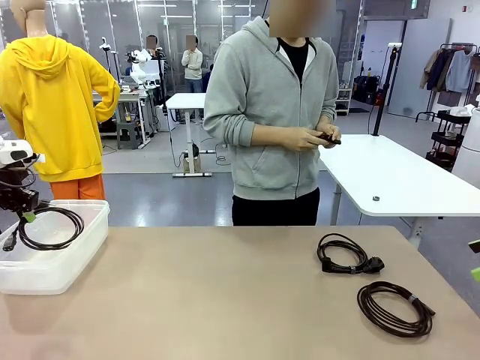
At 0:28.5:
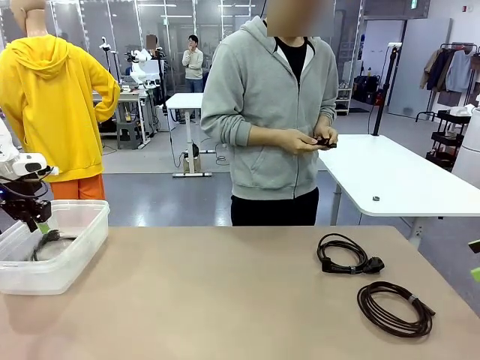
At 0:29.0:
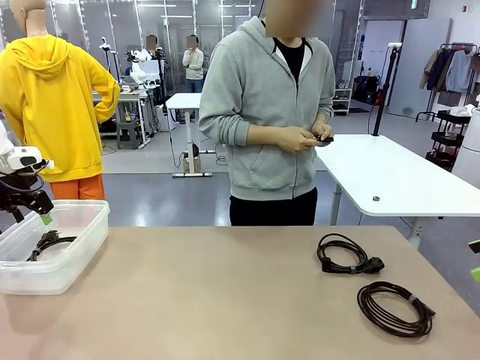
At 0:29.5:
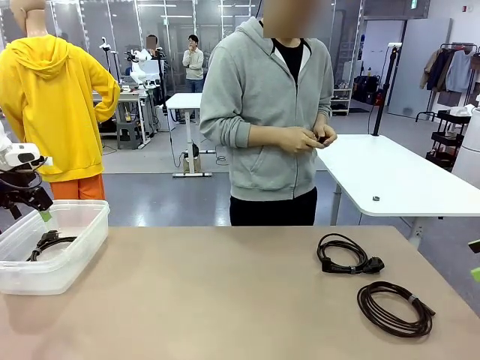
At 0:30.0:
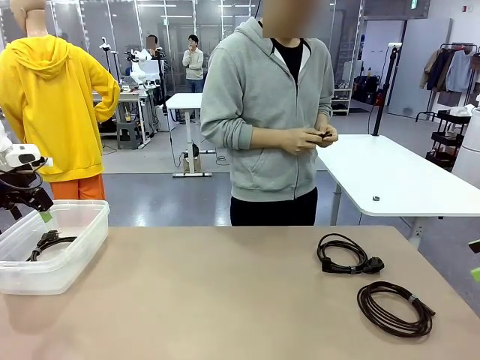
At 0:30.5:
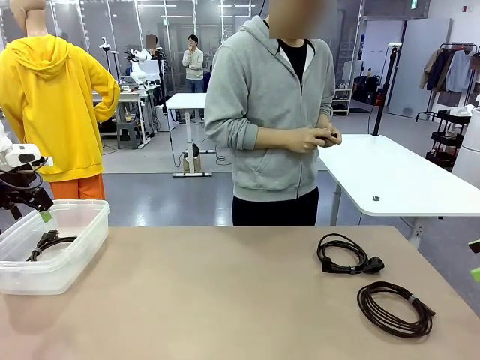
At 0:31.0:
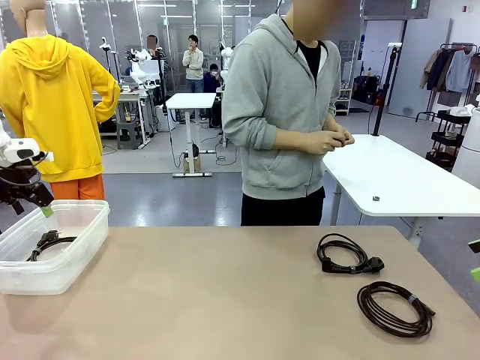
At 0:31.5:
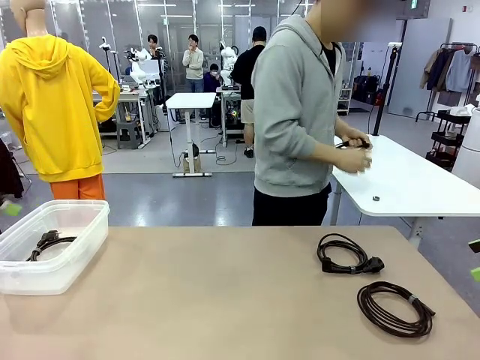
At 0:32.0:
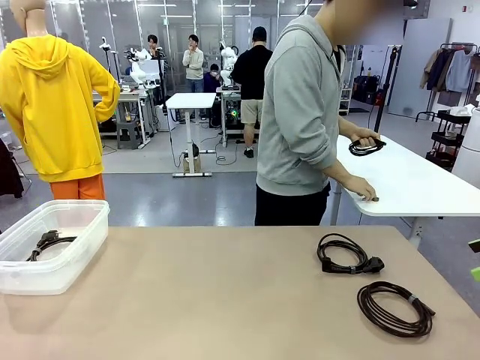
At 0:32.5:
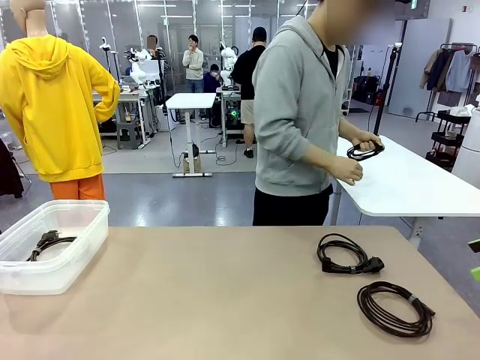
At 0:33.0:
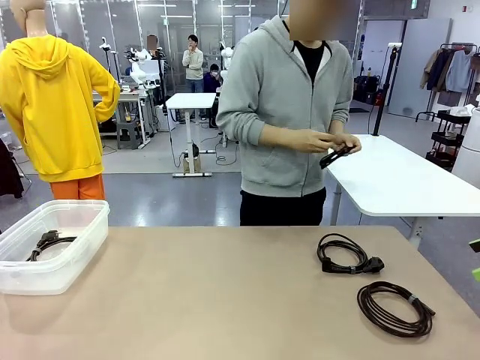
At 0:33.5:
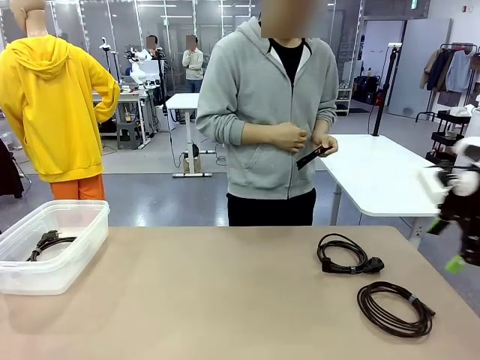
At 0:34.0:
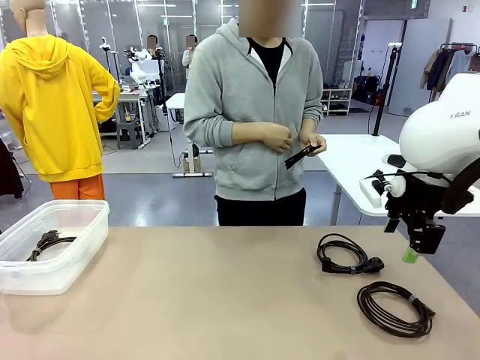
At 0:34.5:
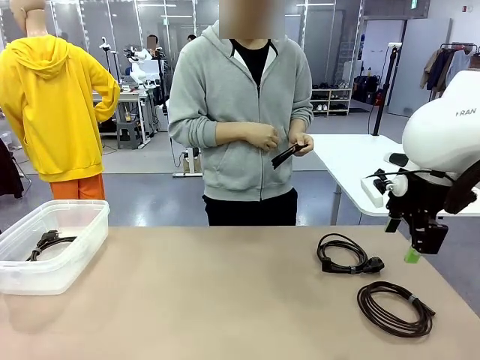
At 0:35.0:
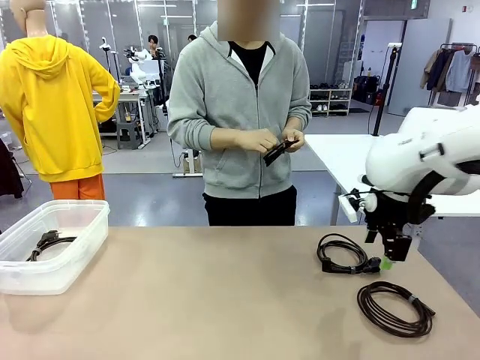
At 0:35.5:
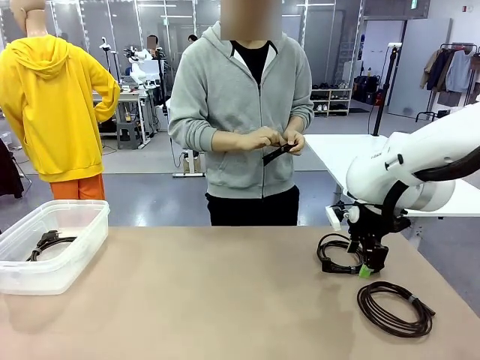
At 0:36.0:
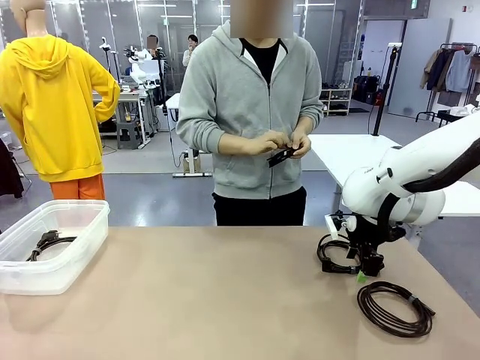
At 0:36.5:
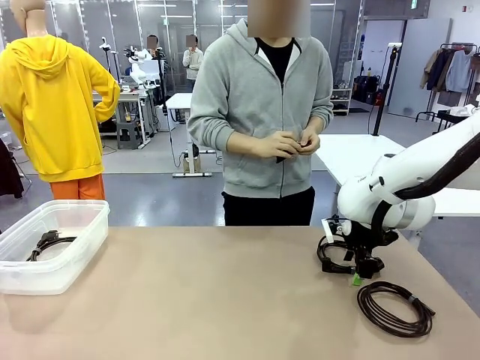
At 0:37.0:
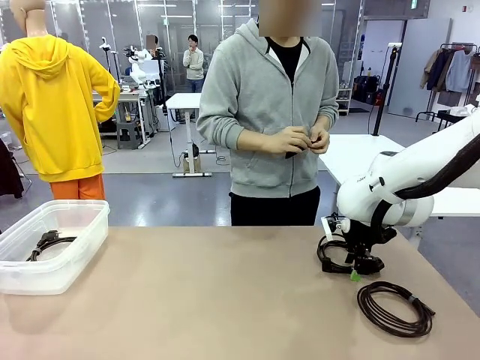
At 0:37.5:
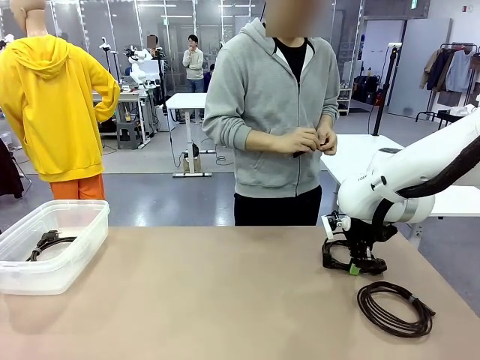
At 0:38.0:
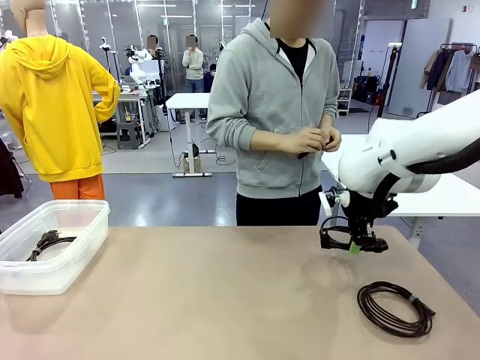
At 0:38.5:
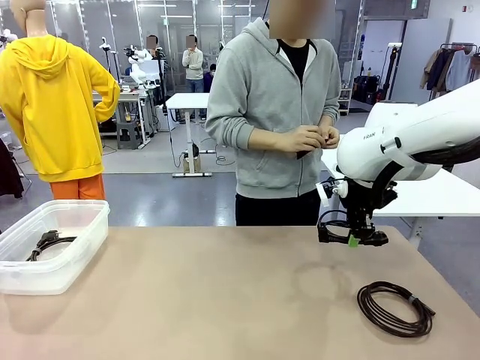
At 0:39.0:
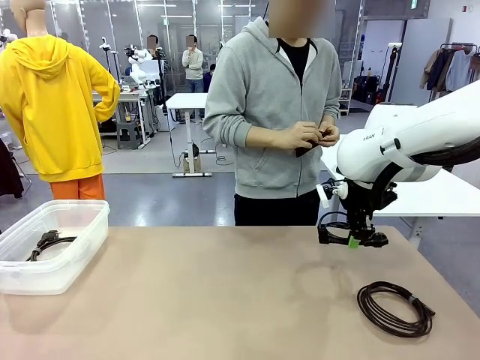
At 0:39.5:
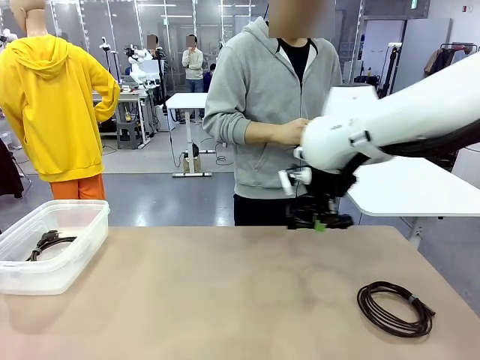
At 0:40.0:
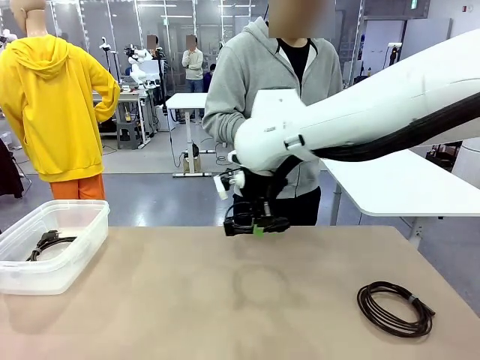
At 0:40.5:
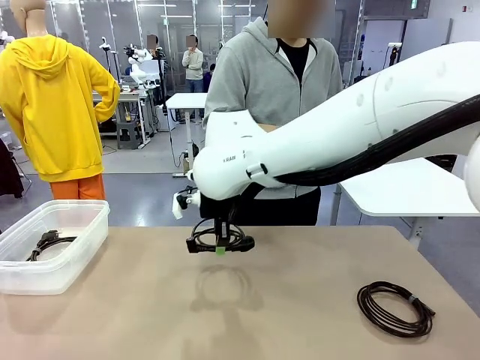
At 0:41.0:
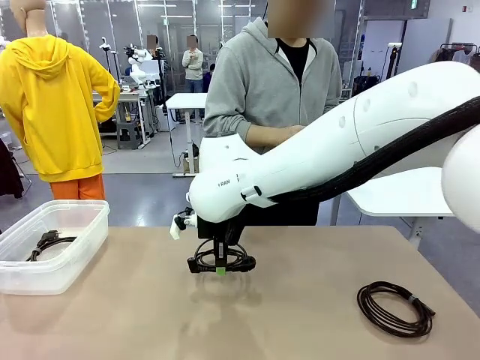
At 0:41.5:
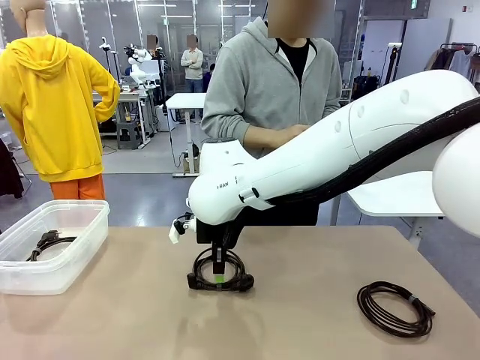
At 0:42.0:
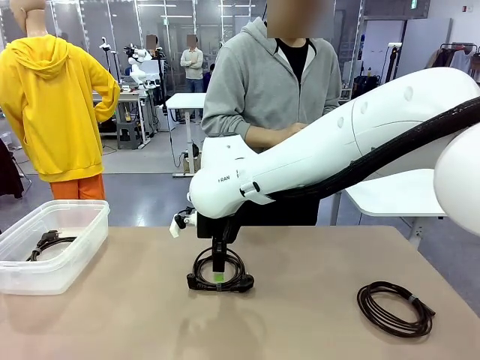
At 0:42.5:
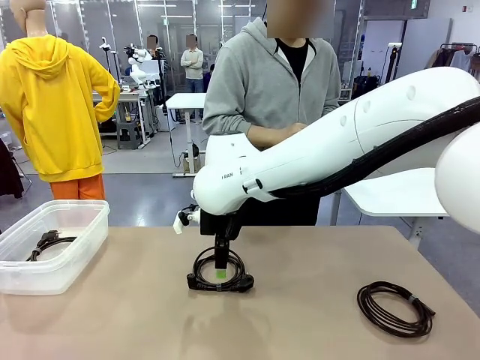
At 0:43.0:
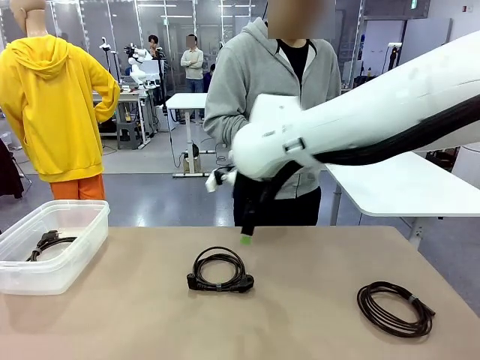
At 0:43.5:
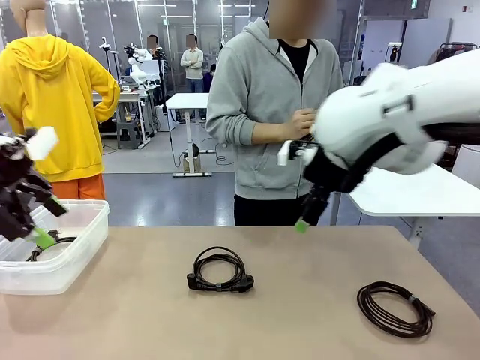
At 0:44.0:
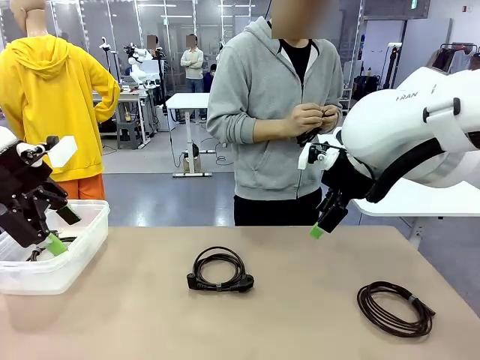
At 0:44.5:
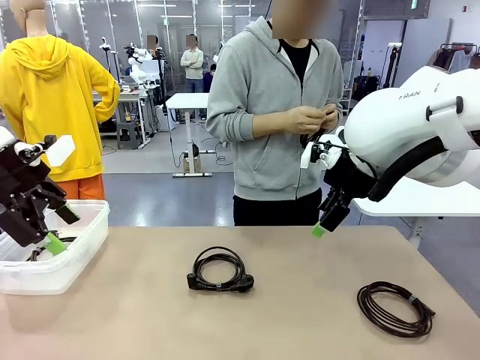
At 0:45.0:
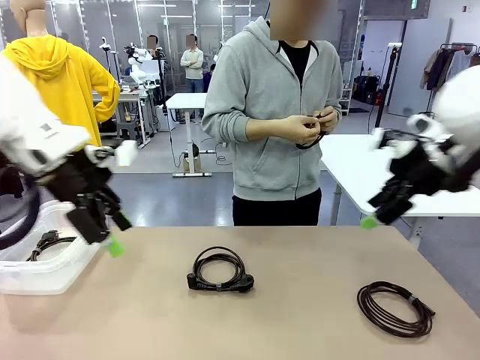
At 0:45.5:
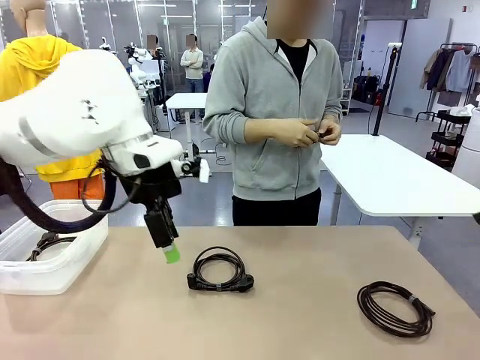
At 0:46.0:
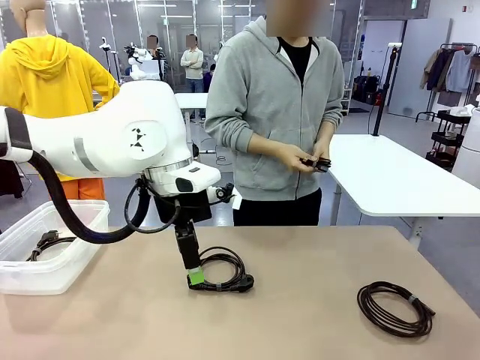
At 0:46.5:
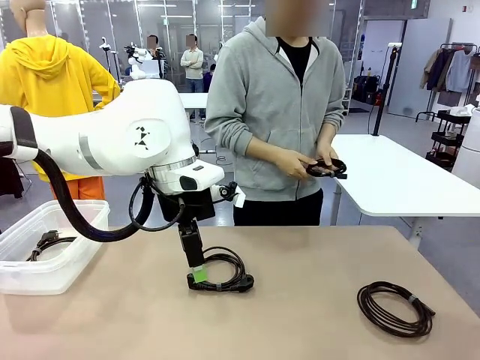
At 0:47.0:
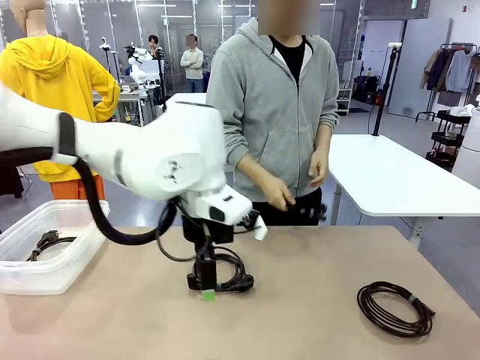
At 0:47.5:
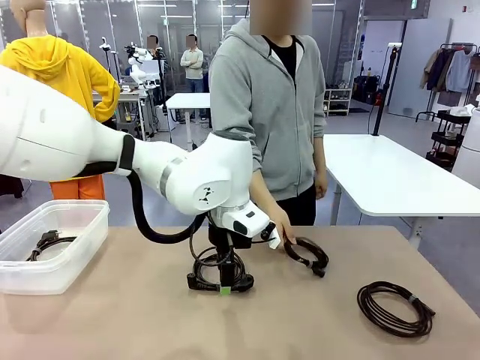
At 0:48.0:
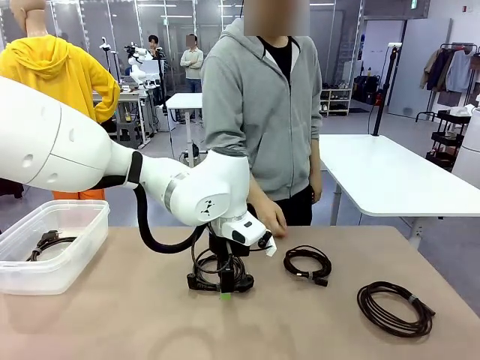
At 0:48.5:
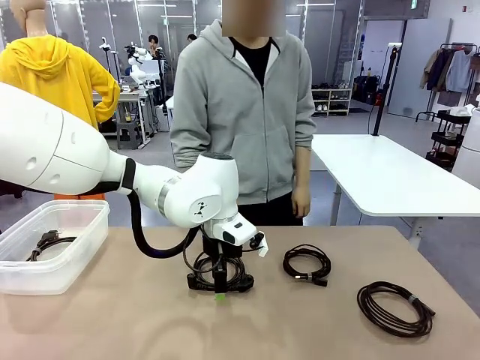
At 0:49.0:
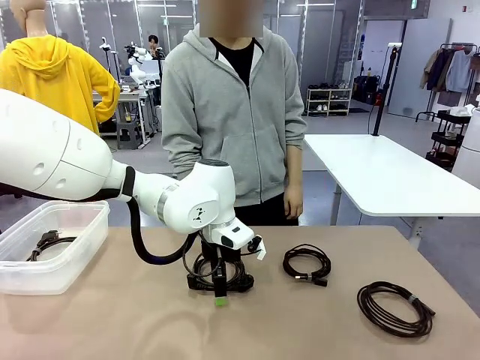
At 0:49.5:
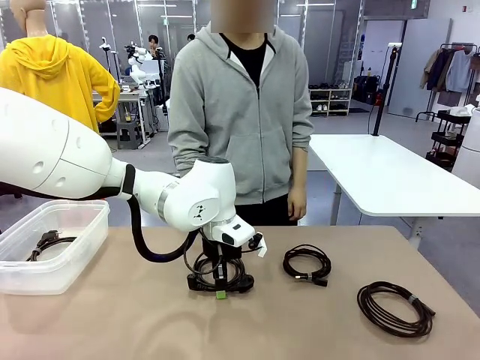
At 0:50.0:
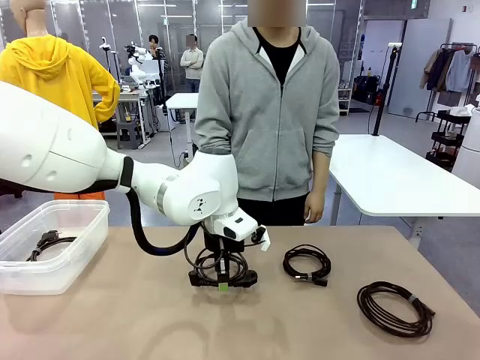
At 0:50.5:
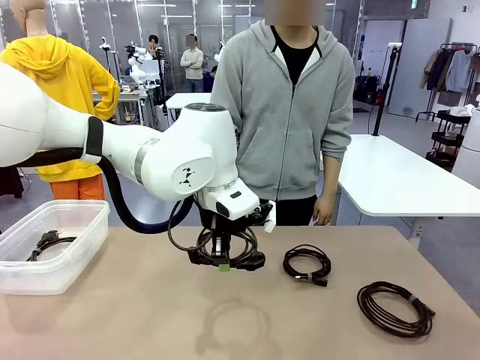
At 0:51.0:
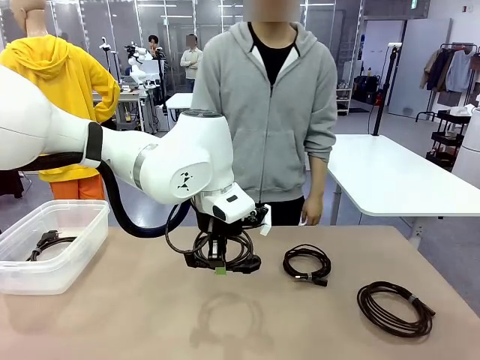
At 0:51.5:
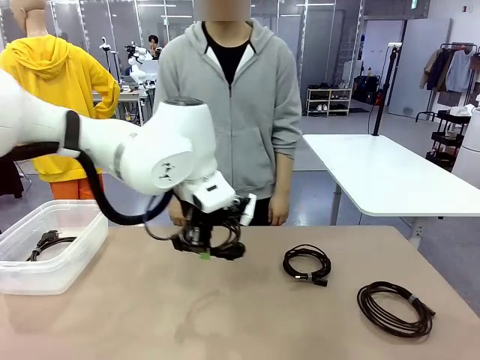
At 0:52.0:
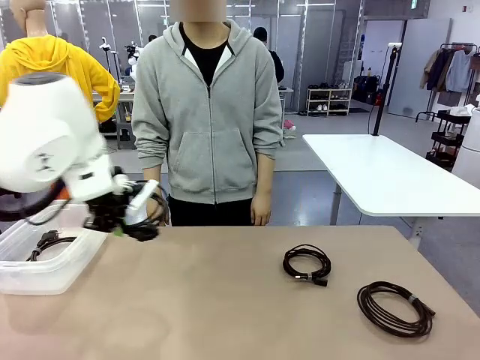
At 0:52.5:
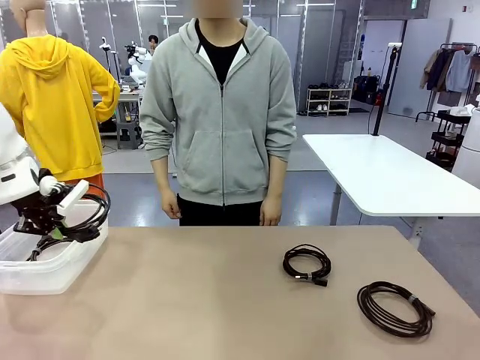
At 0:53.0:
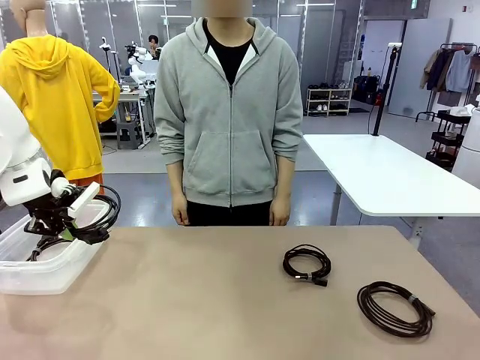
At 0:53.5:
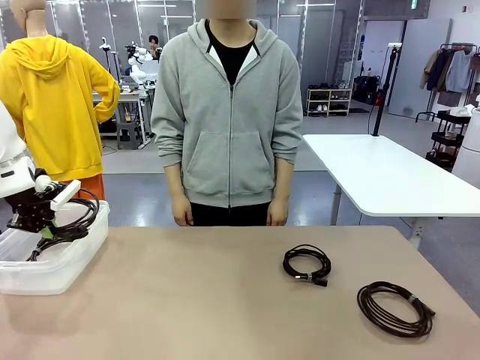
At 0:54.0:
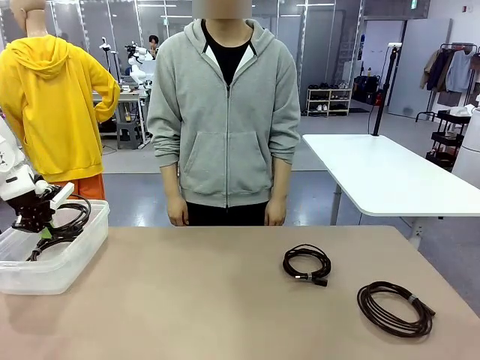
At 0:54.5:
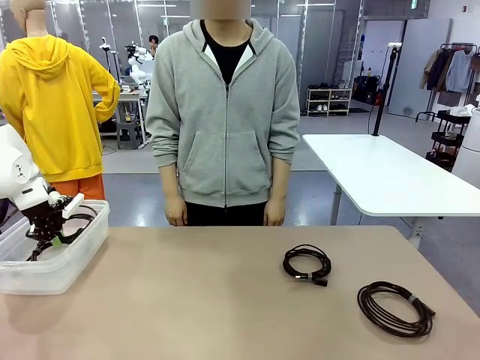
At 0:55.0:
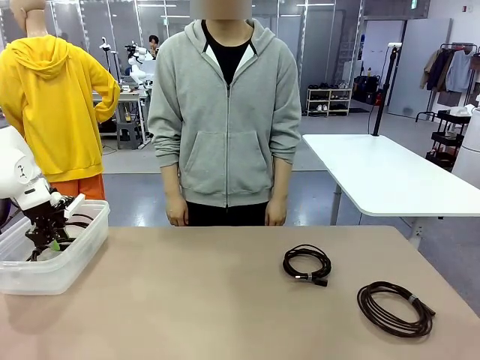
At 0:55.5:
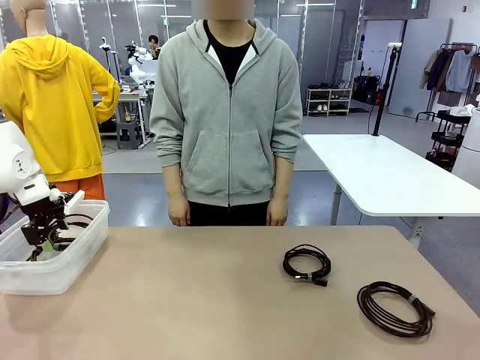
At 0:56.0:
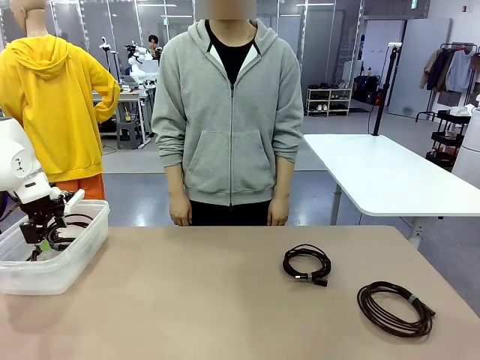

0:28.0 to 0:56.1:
Task: Organize and store the cables.
Robot: Place the Power Cable into the Organizing box.
